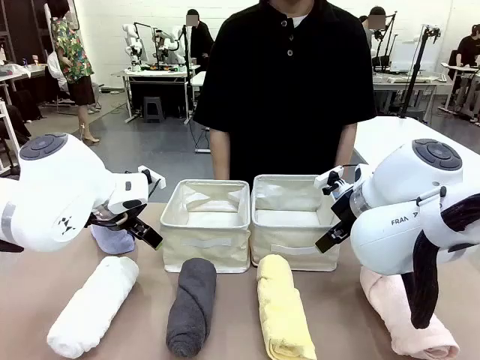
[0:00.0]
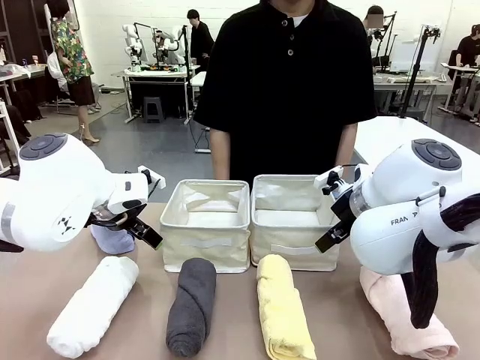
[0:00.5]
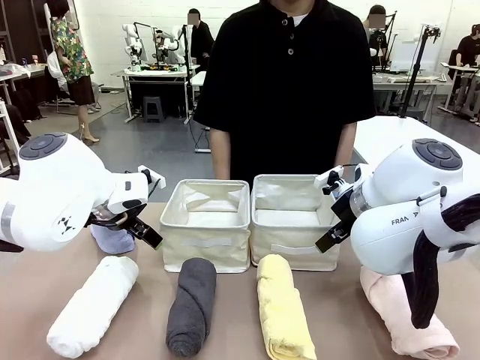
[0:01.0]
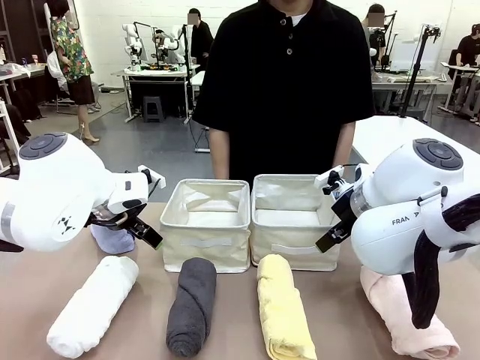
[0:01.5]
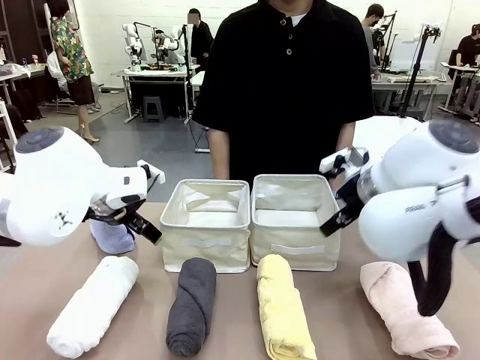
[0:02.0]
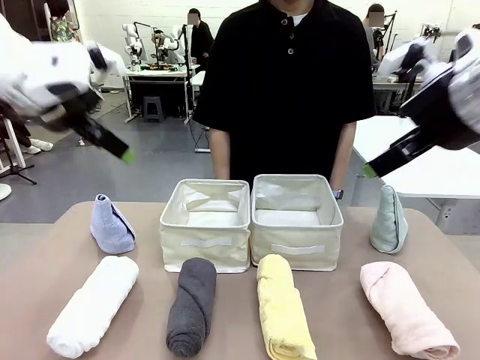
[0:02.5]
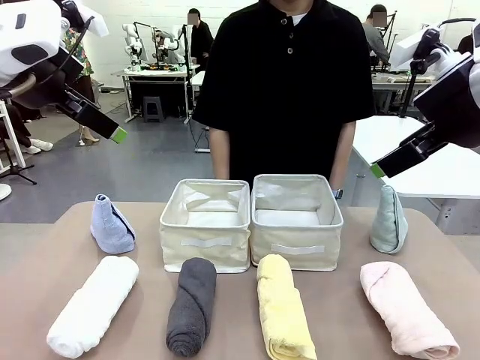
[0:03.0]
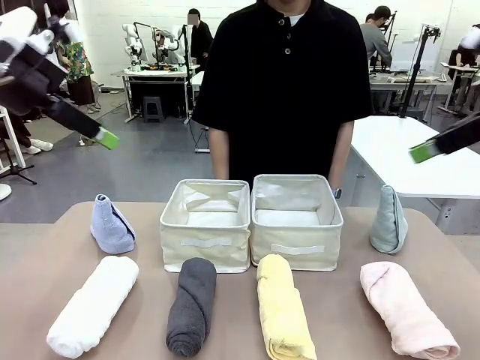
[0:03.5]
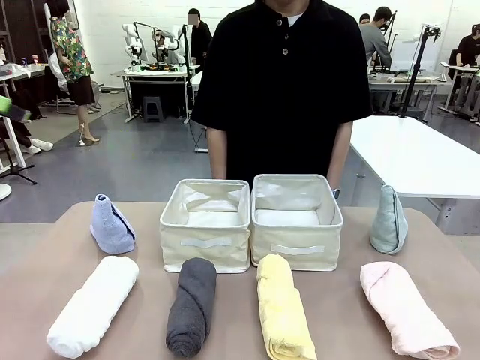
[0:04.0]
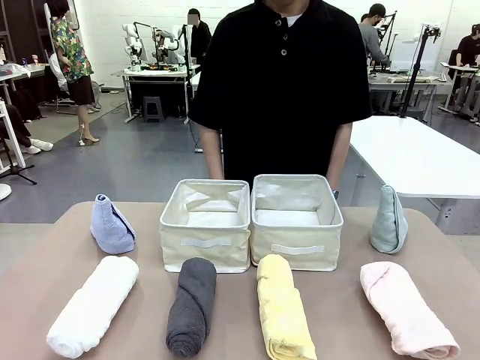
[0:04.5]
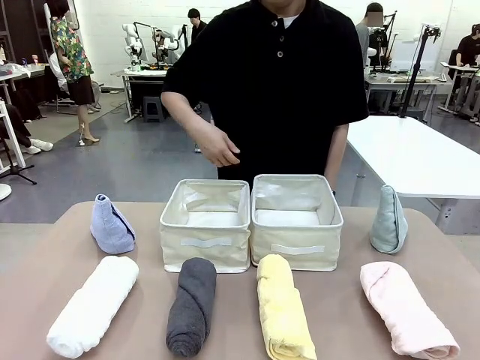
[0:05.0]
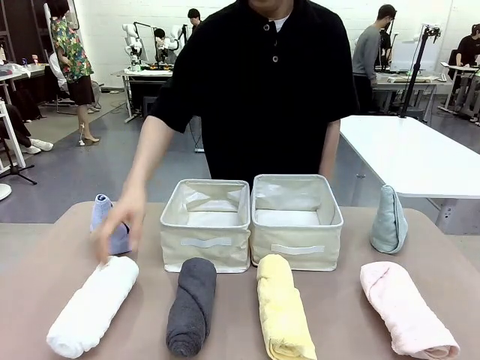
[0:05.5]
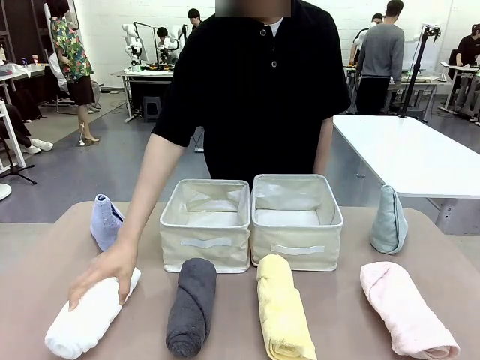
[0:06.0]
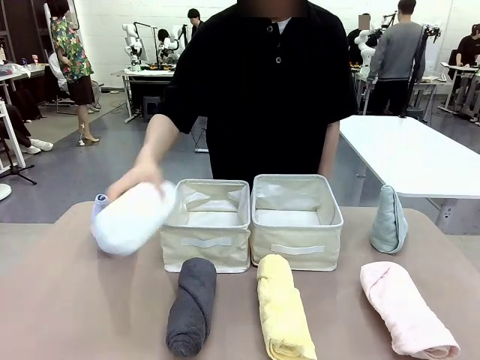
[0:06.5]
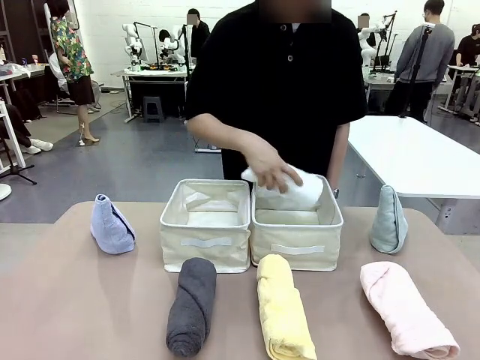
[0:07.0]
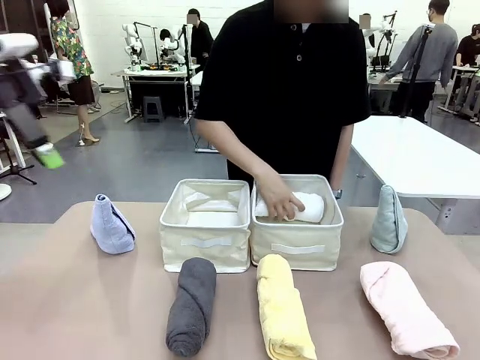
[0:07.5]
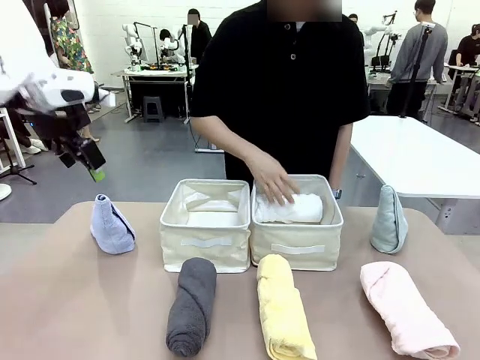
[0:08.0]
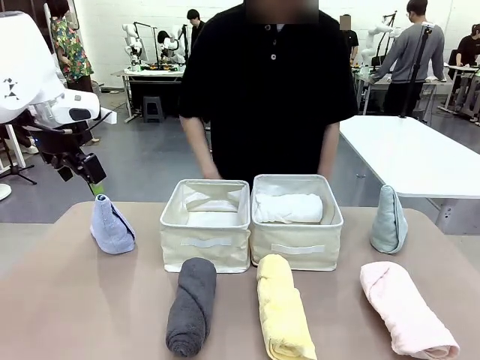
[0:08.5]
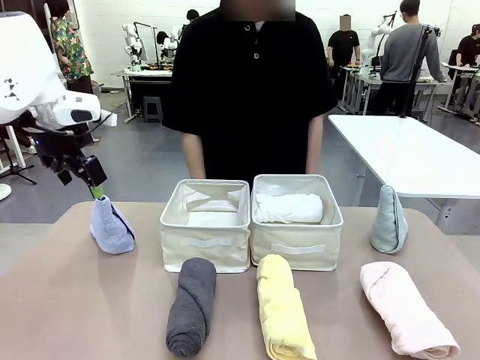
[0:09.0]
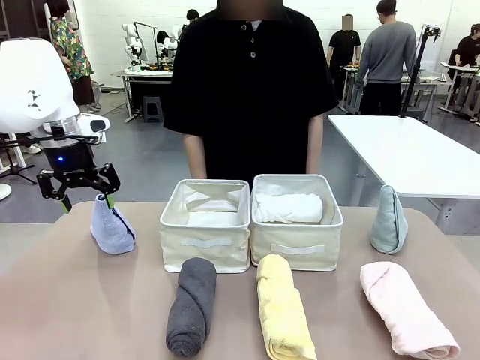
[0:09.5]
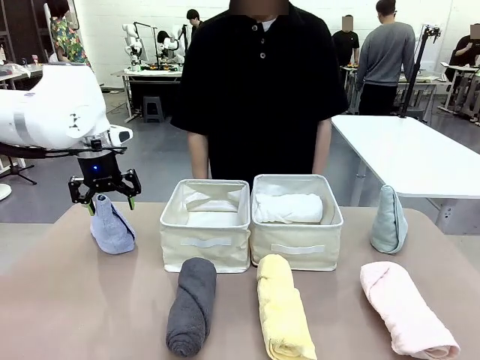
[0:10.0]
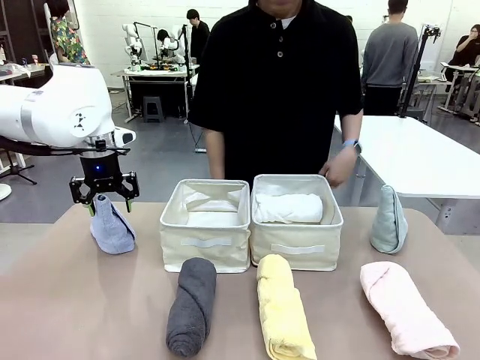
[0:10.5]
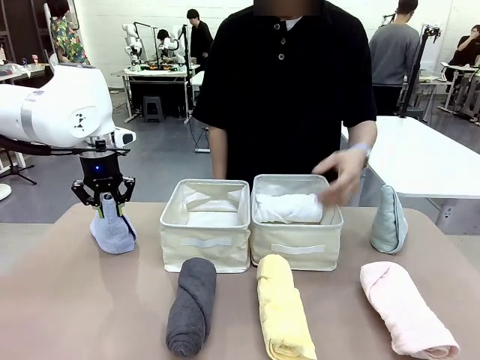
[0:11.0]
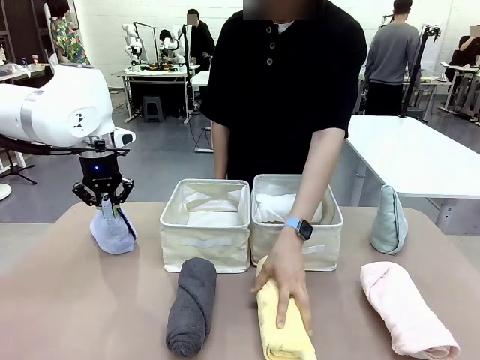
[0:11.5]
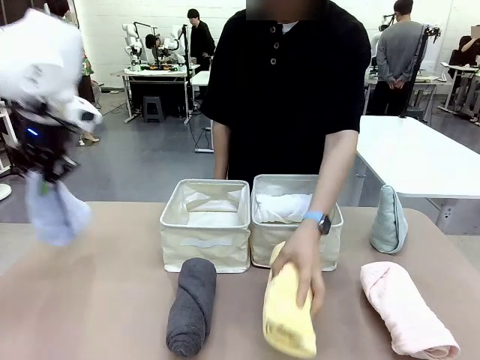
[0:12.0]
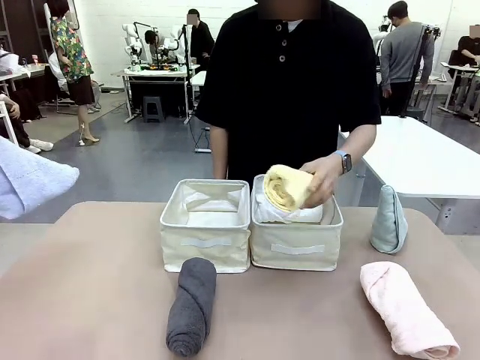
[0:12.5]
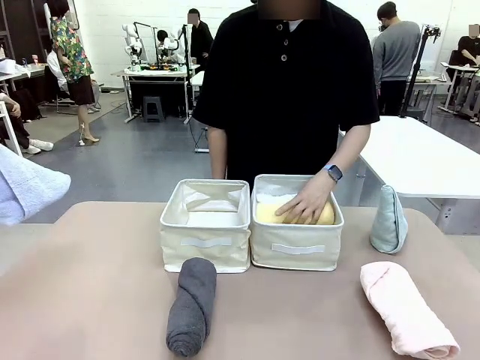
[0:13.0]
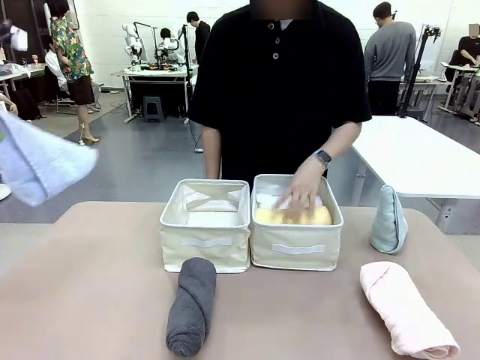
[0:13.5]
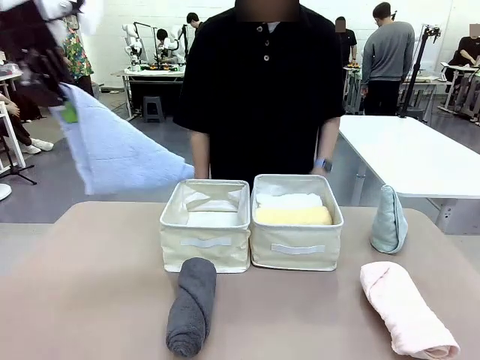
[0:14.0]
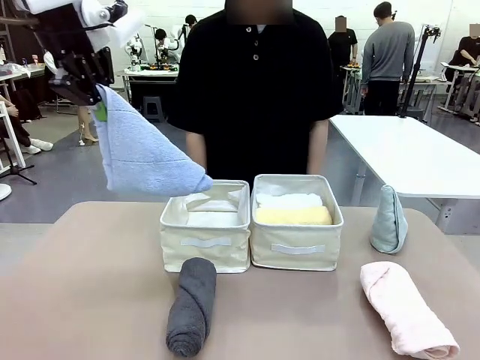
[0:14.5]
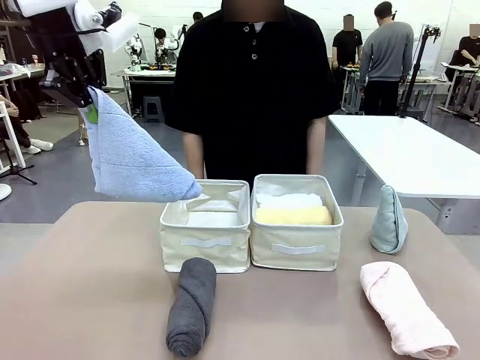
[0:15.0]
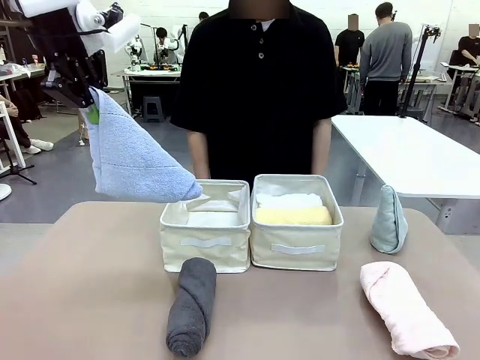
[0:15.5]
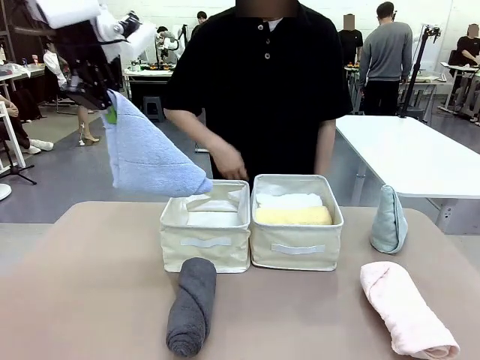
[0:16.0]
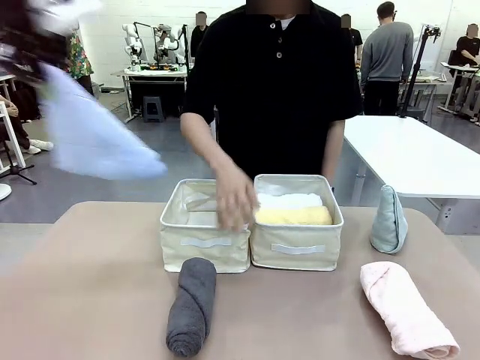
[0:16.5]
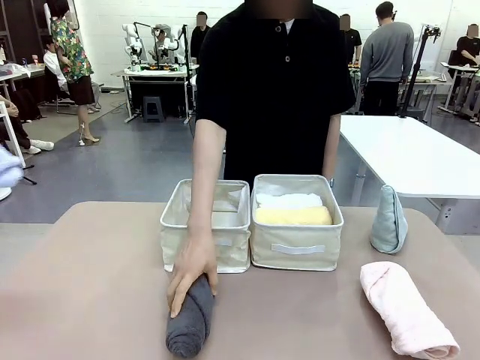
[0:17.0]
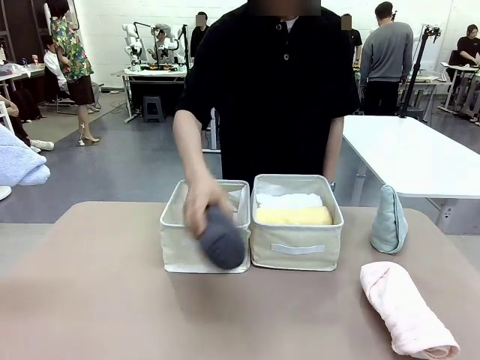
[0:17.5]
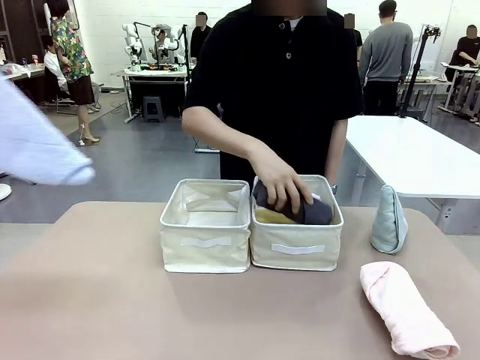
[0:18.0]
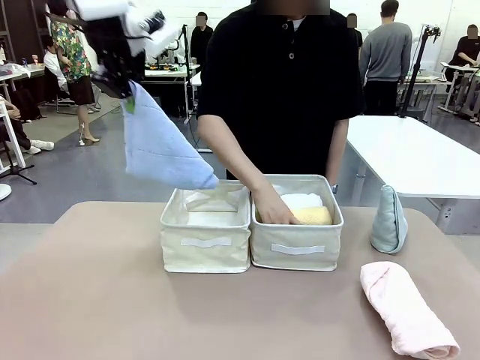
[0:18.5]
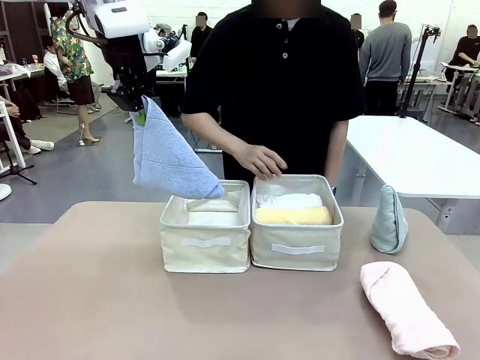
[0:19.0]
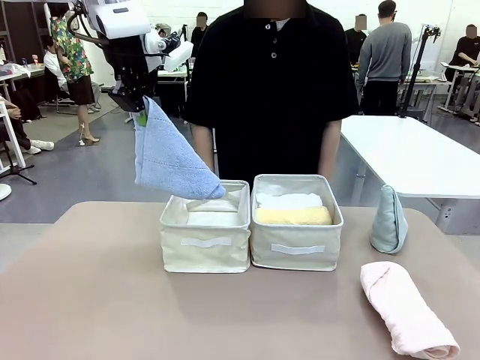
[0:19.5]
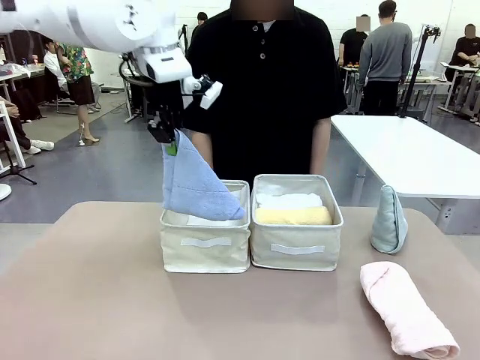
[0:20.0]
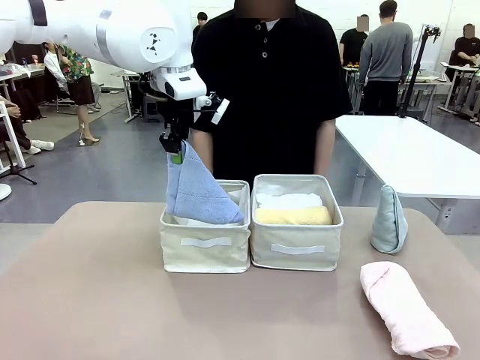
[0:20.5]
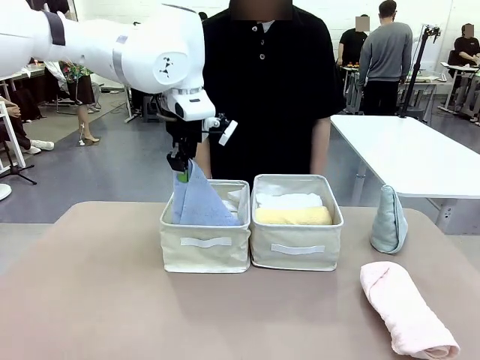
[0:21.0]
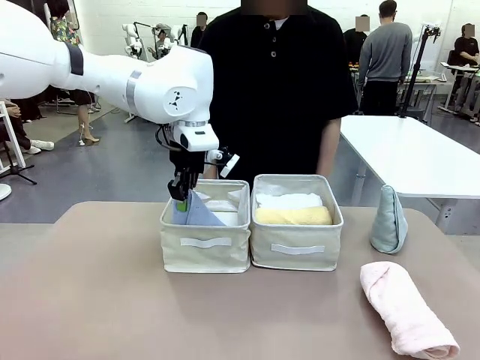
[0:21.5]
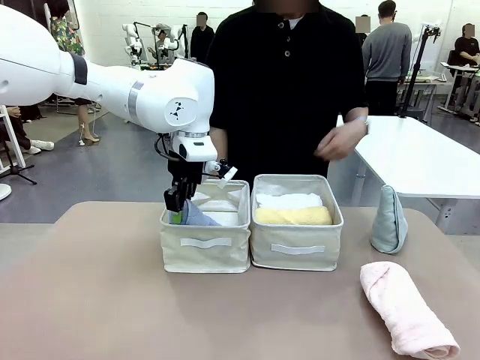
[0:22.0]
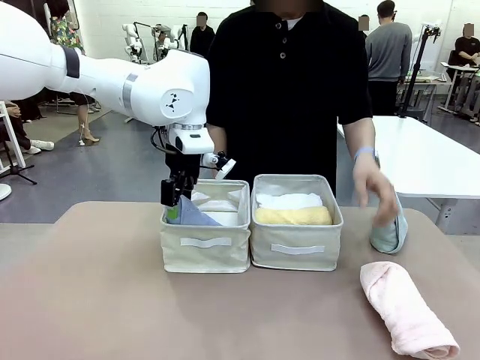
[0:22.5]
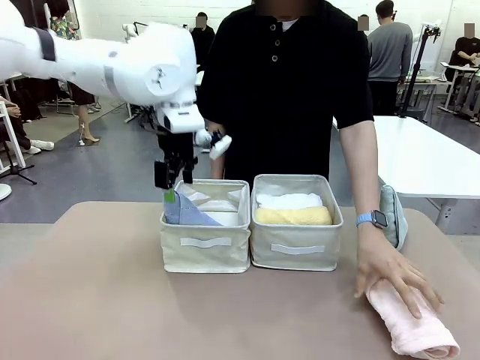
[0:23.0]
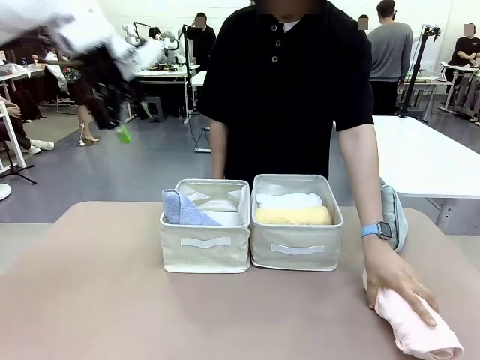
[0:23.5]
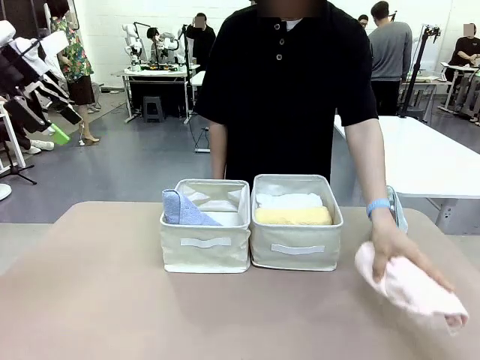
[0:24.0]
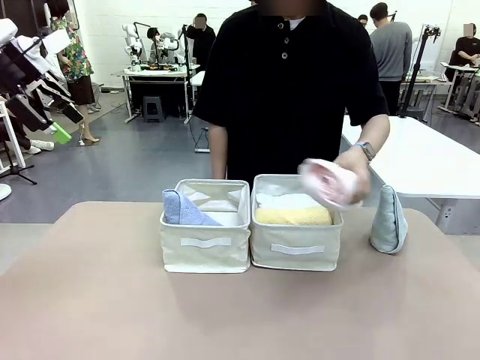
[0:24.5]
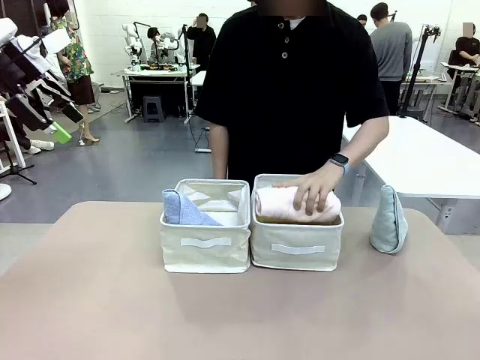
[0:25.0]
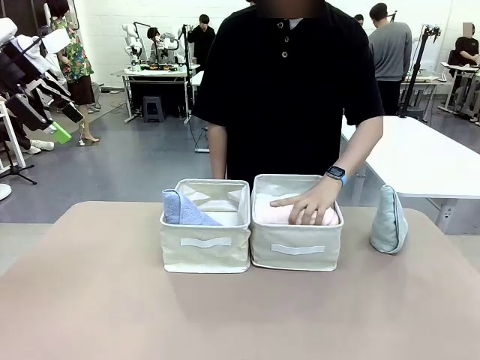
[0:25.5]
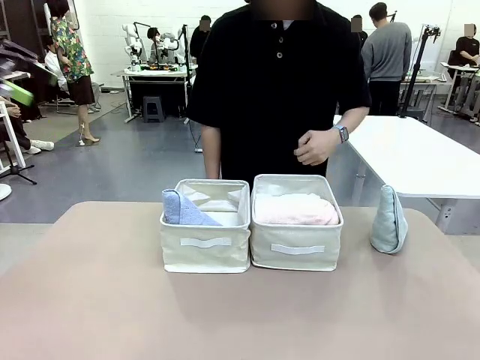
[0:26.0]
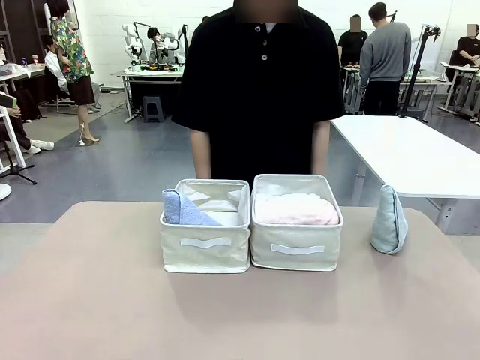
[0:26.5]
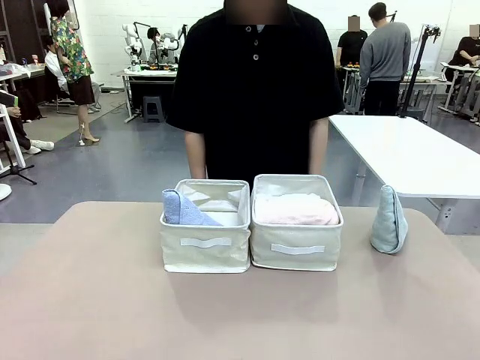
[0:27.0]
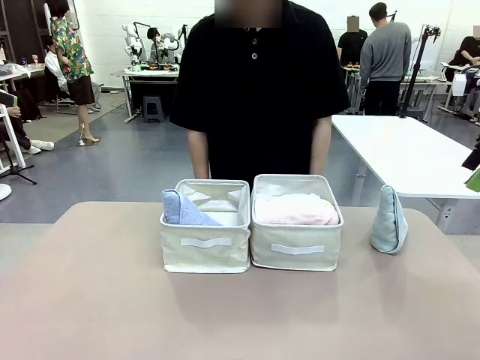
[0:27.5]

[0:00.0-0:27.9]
Task: Sort the towels based on their folding style.
Robot: Pick up one triangle-folded towel and place it in the left Fabric basket.
Person: Pick up one hotel-style rolled towel and place it in the left fabric basket.
